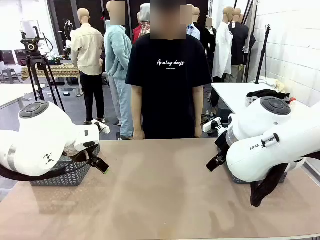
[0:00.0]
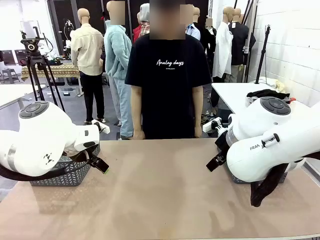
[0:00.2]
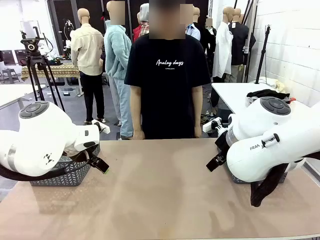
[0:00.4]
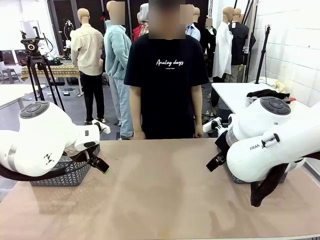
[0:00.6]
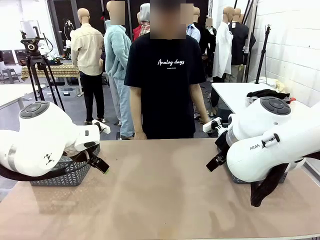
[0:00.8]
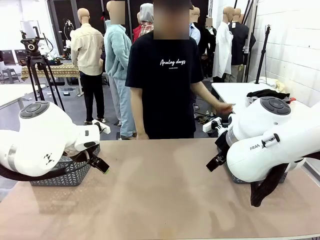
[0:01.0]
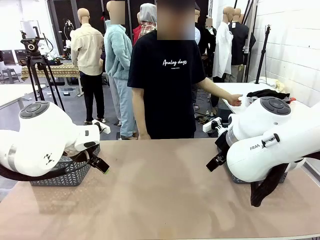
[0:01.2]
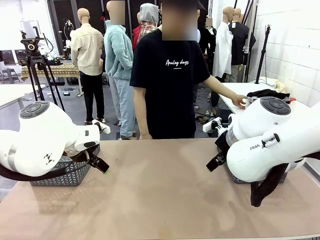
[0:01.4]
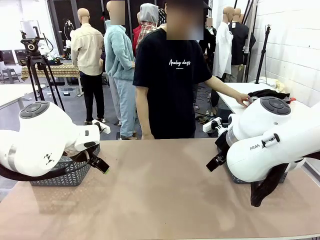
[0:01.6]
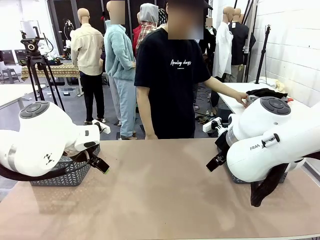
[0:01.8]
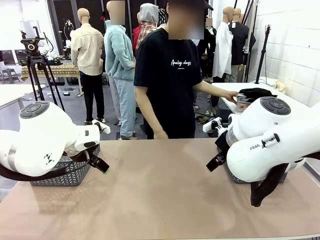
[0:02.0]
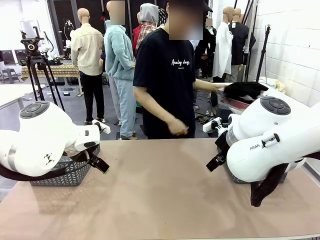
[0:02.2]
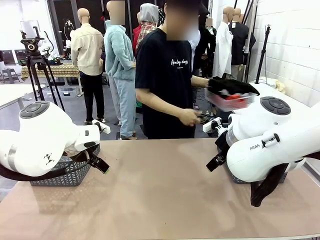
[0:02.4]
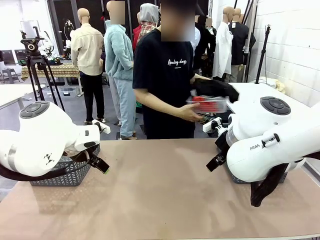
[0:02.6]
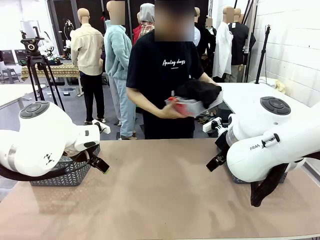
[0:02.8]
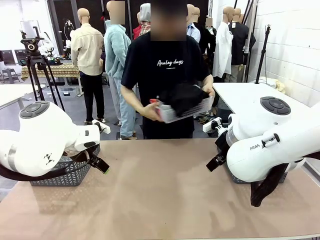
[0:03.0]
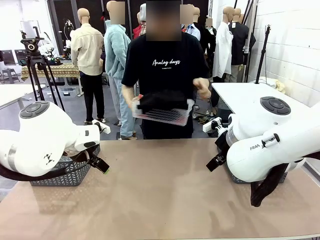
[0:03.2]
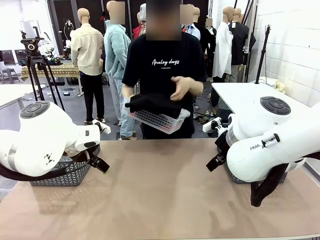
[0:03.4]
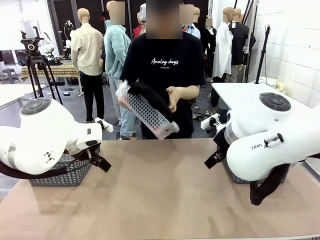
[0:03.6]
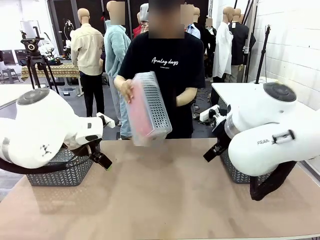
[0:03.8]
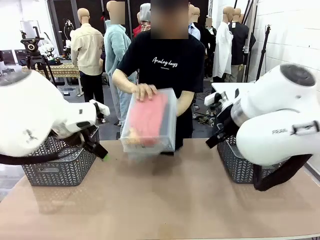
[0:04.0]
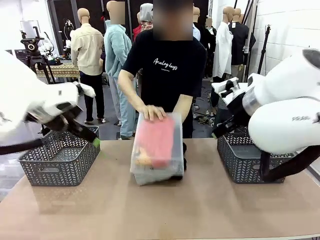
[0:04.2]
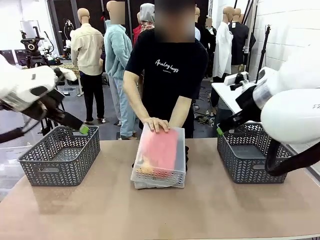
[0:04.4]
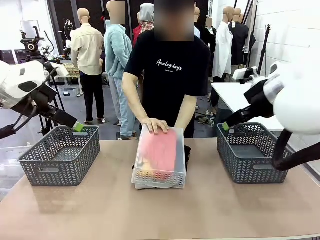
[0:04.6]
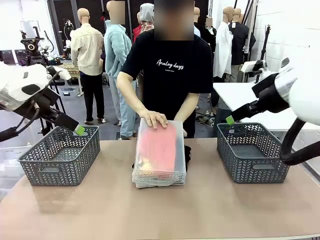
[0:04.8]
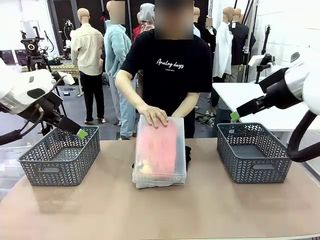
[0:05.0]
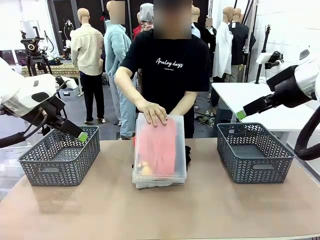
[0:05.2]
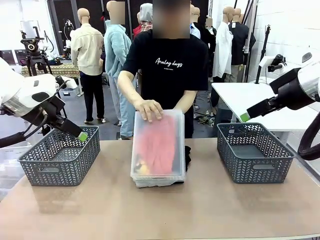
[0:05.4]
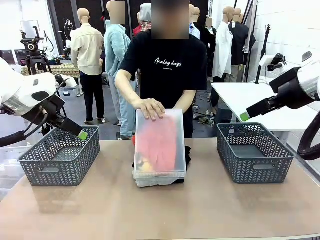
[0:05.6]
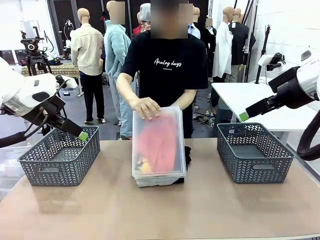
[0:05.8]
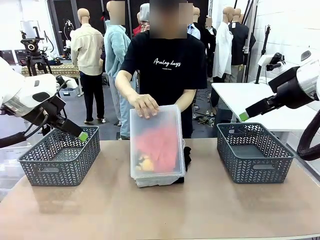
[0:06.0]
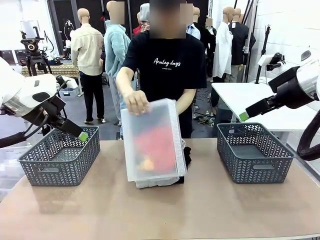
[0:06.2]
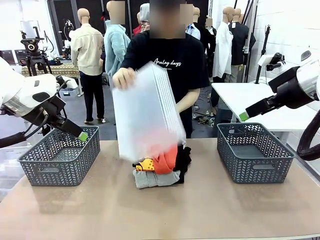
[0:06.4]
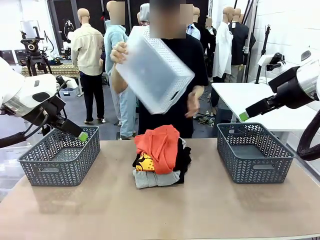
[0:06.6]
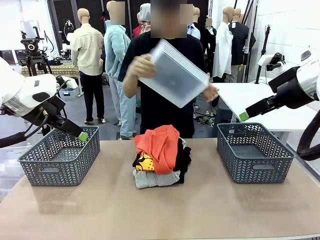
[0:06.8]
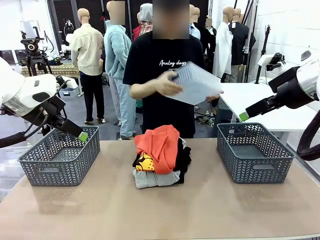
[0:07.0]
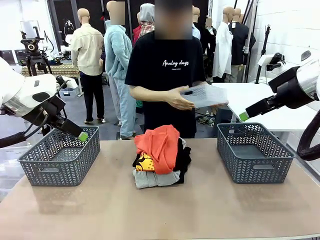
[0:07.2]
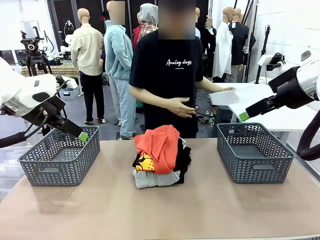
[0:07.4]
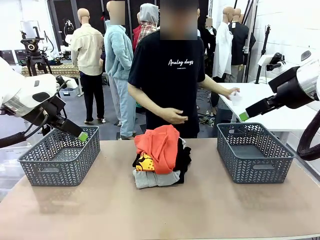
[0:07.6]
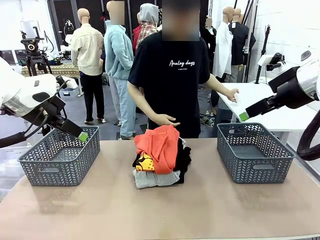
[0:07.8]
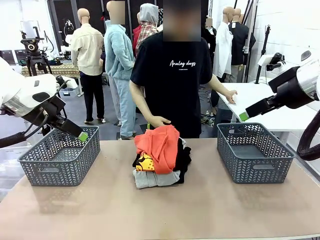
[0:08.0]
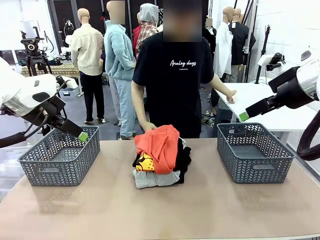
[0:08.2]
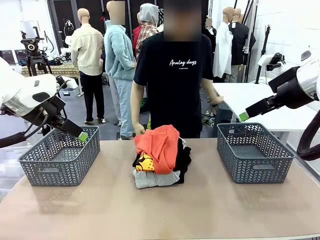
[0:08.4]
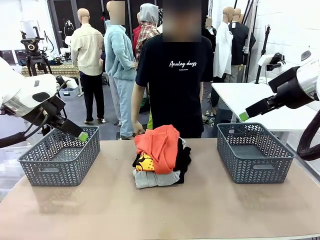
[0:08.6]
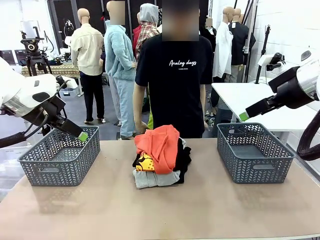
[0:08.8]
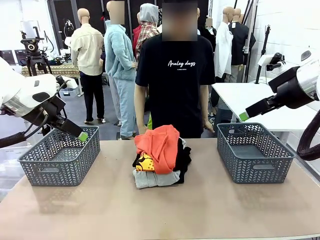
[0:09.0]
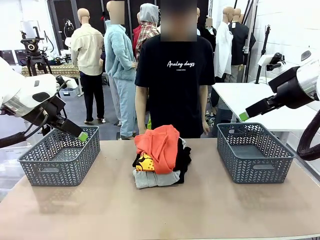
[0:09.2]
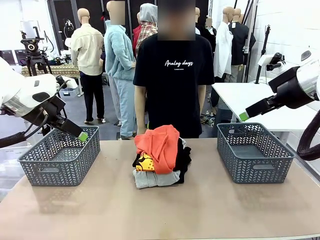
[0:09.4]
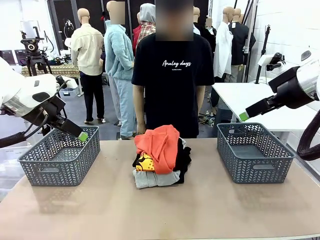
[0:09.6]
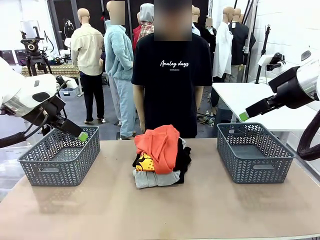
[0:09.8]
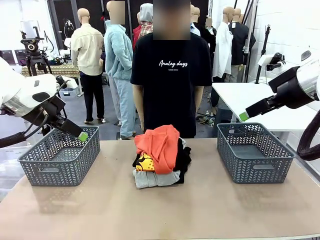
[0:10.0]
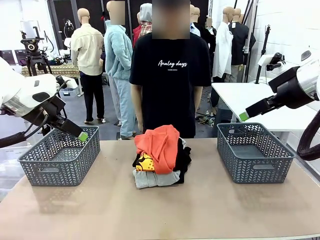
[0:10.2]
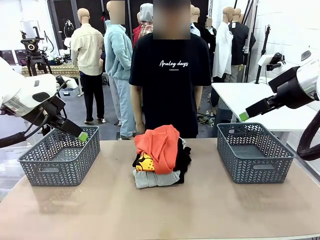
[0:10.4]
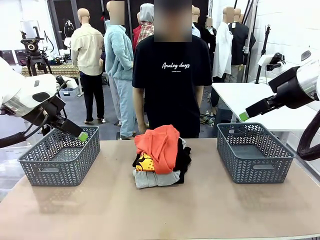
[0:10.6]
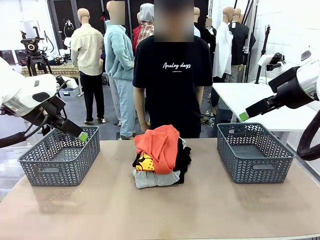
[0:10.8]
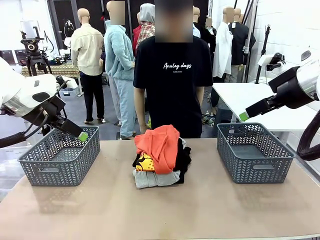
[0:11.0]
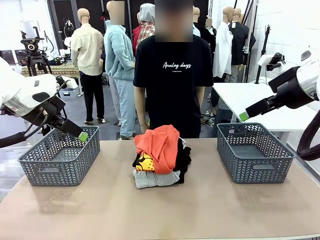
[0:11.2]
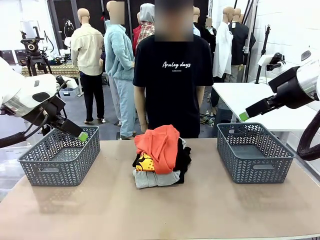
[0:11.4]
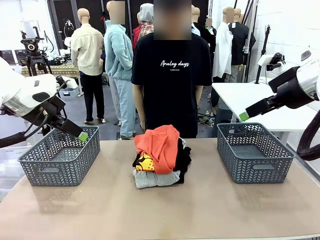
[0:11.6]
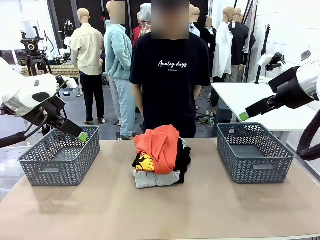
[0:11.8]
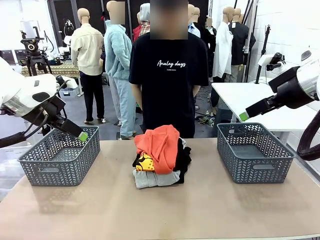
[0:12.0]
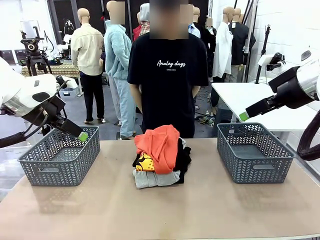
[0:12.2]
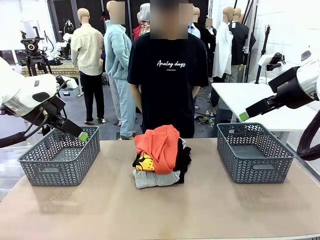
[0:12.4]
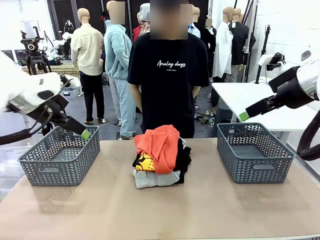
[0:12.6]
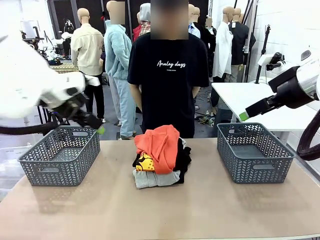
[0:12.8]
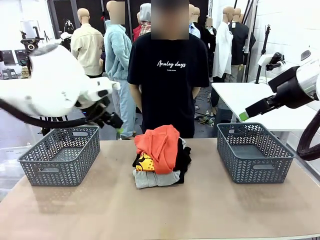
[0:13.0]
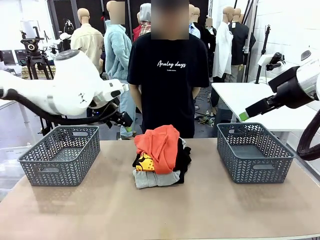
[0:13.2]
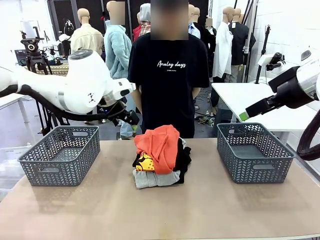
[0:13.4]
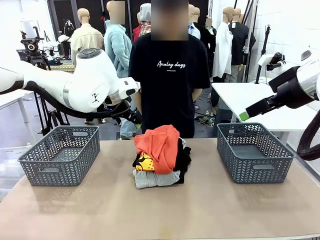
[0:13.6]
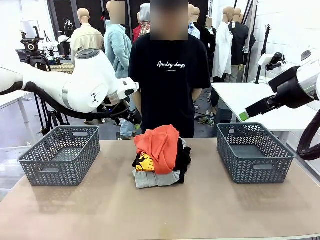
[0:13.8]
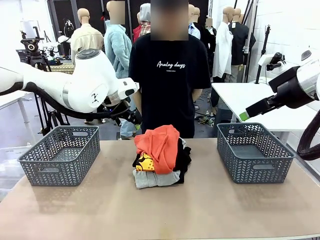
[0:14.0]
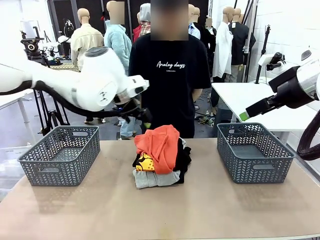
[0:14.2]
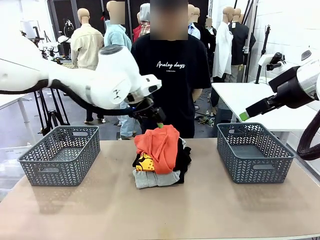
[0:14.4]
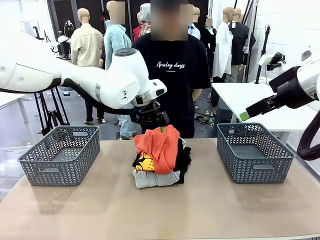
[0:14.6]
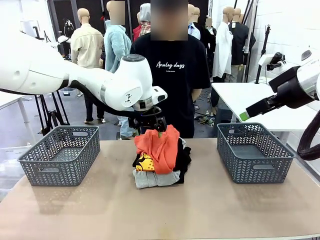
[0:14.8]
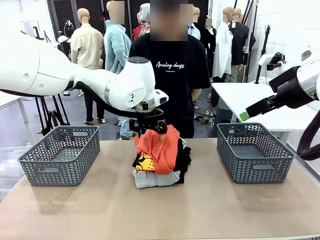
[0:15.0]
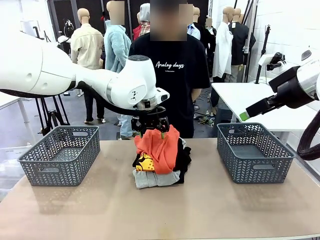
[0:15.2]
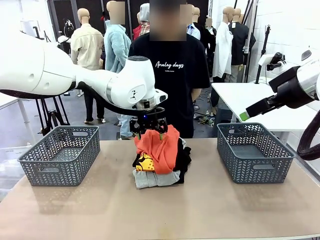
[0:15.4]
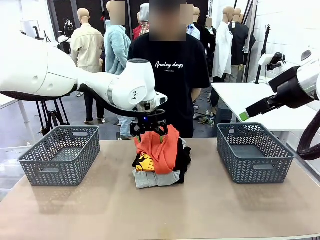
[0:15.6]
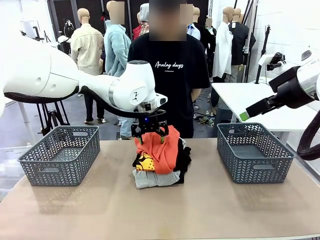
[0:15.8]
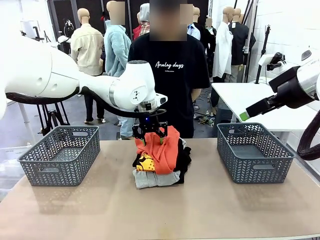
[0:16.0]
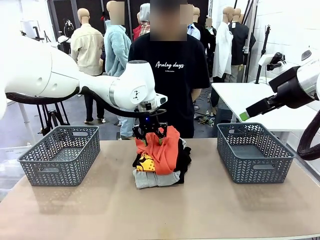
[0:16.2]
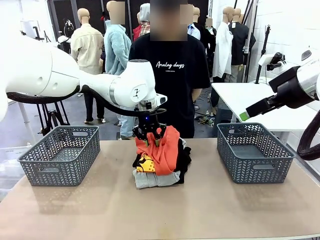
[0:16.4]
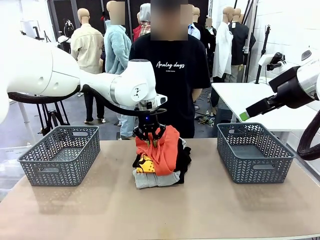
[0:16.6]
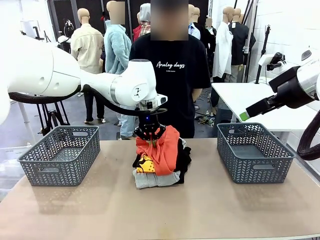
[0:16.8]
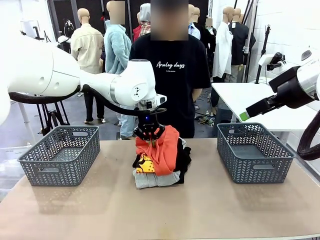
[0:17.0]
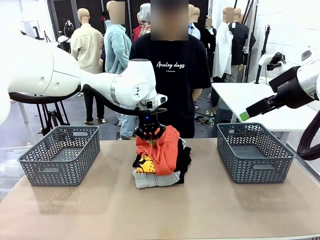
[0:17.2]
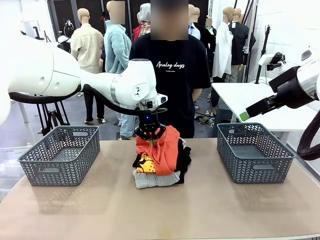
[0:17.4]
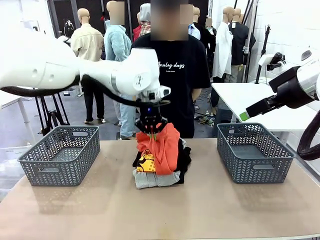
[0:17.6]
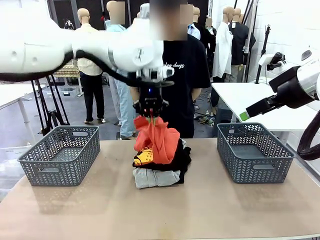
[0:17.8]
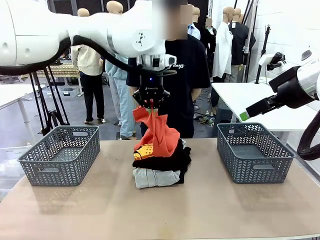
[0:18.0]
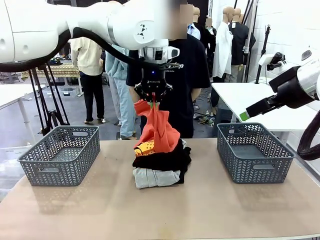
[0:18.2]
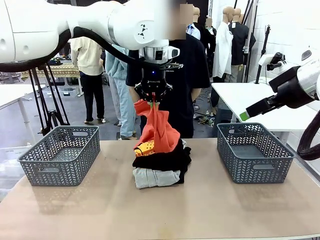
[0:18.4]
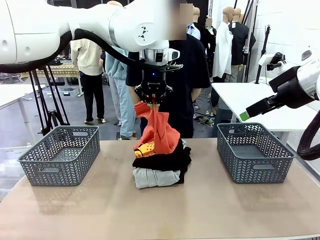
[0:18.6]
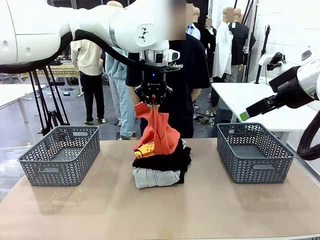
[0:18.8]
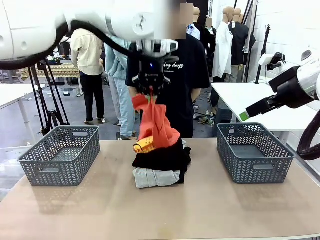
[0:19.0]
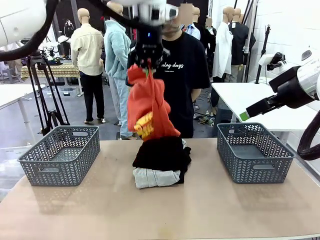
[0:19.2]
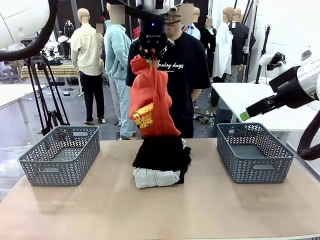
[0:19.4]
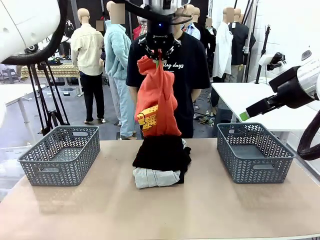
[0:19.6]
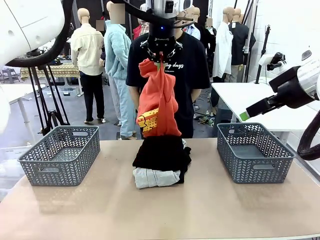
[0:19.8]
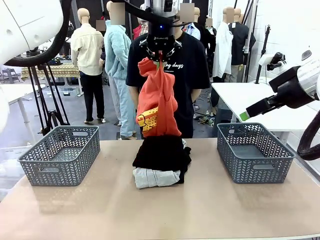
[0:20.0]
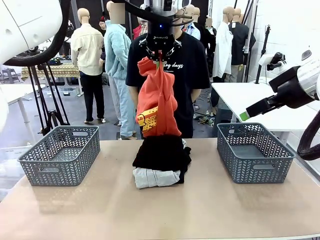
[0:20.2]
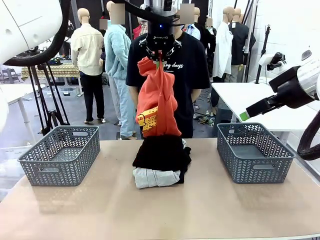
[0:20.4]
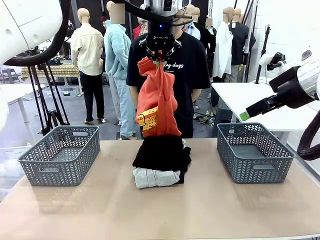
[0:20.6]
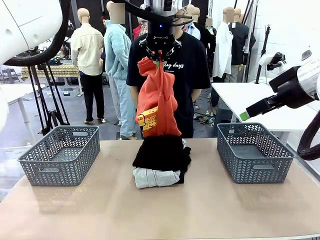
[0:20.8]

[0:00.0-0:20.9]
Task: Sort the tops and bottoms.
Robot: Lift clothes from the center of the table with your left hand.
Person: Pour the clothes from the basket onto the center of the robot table.
